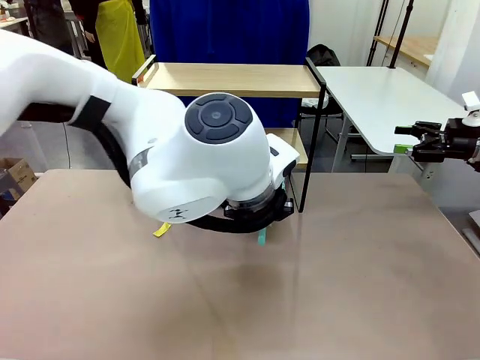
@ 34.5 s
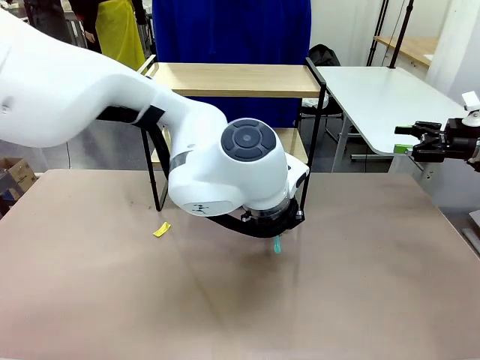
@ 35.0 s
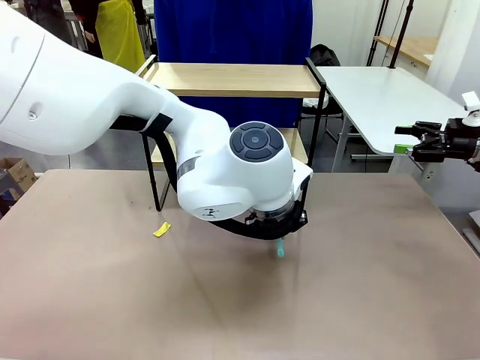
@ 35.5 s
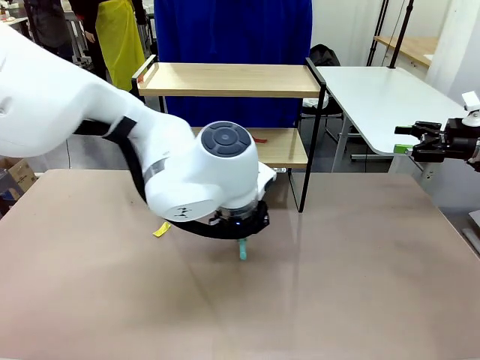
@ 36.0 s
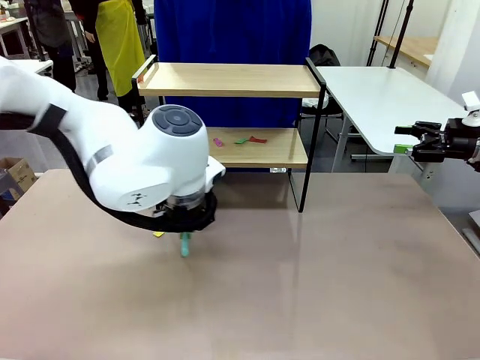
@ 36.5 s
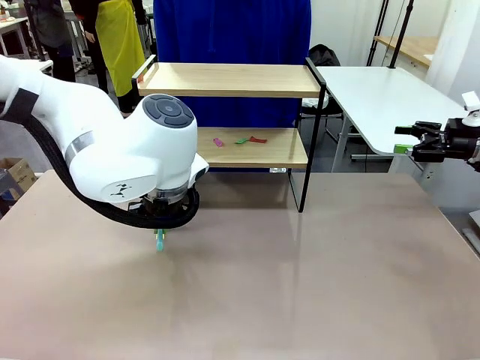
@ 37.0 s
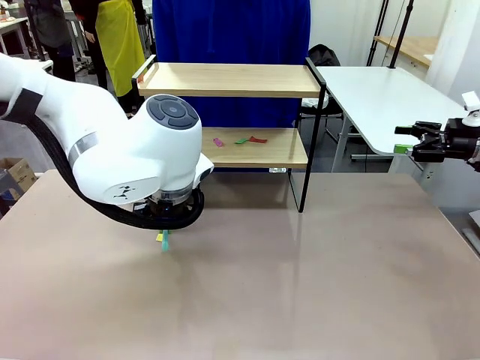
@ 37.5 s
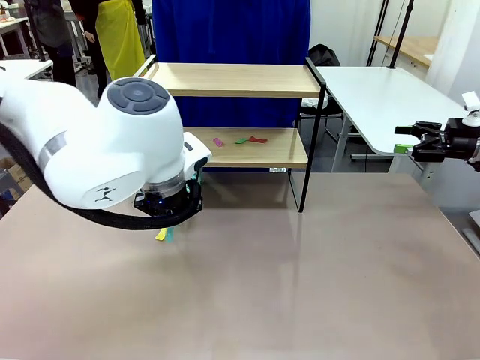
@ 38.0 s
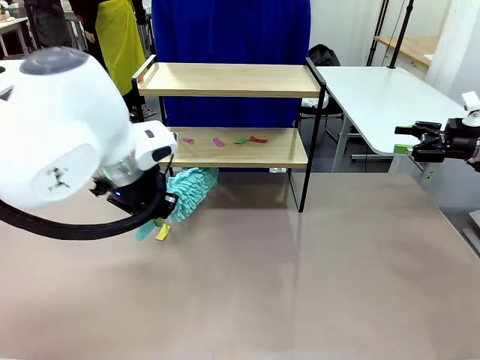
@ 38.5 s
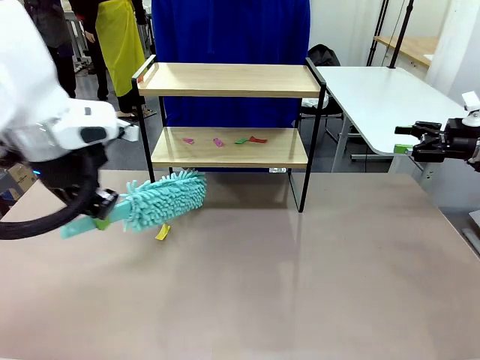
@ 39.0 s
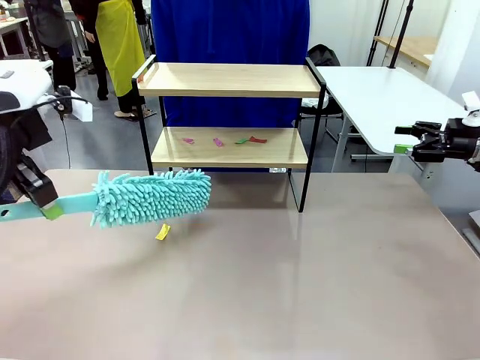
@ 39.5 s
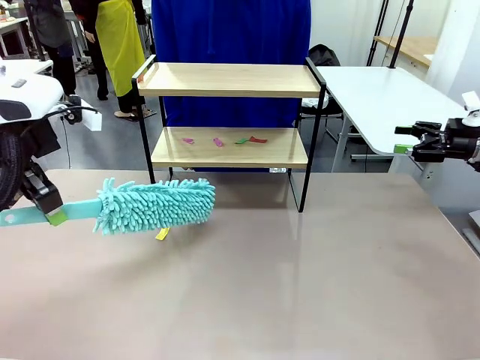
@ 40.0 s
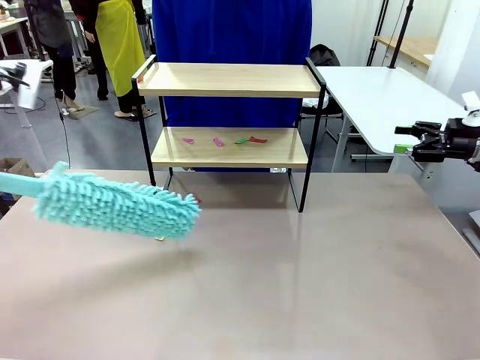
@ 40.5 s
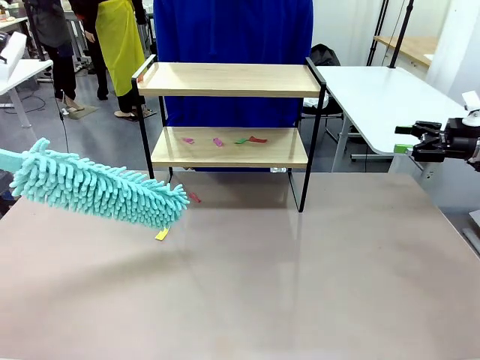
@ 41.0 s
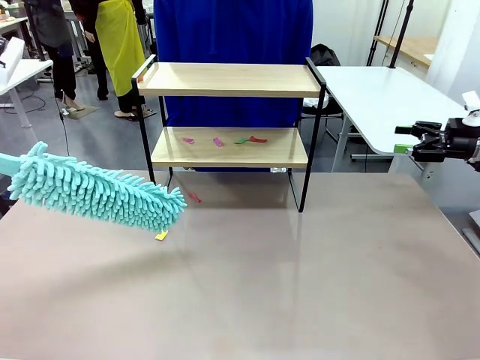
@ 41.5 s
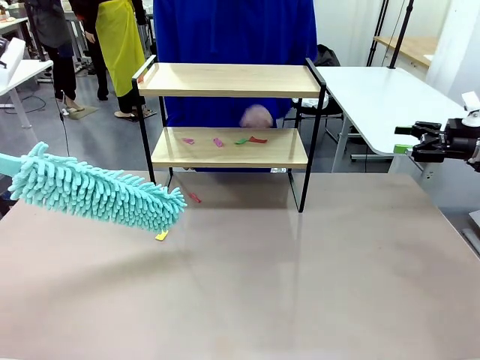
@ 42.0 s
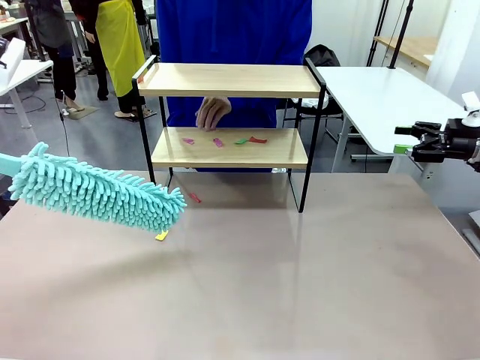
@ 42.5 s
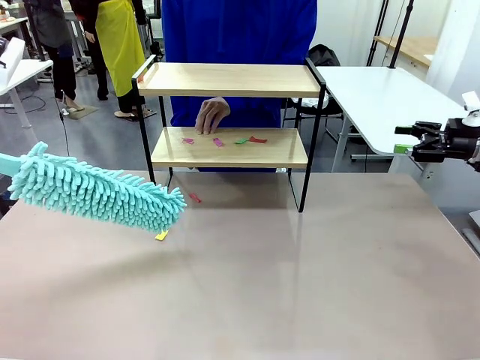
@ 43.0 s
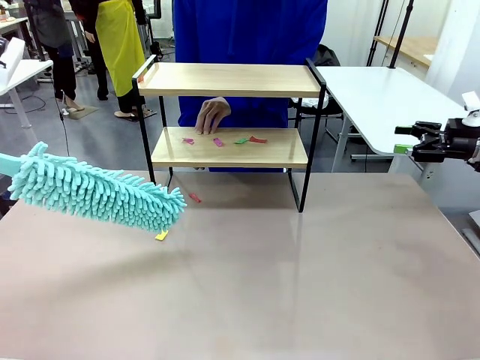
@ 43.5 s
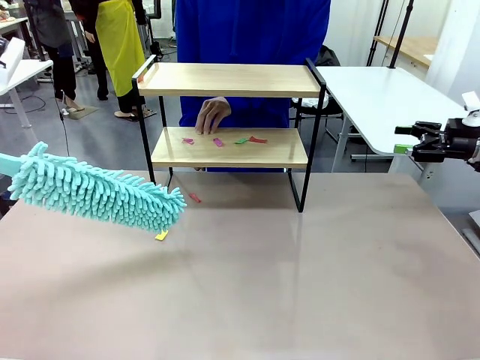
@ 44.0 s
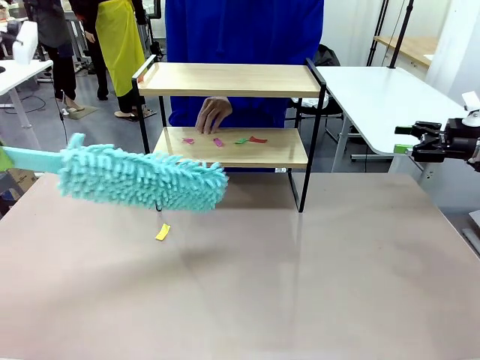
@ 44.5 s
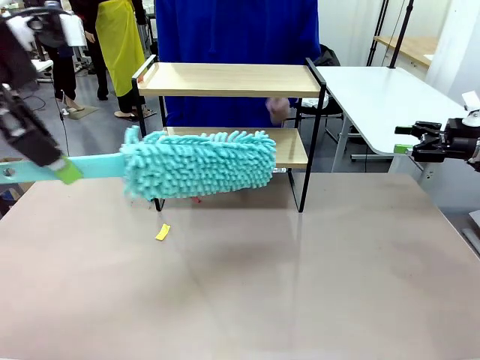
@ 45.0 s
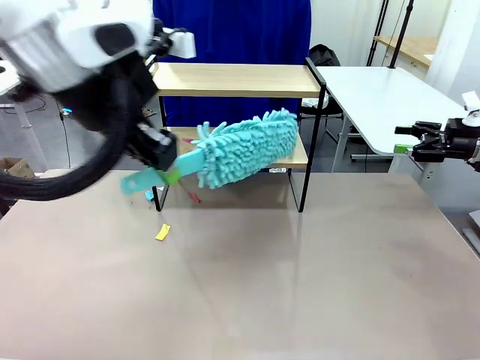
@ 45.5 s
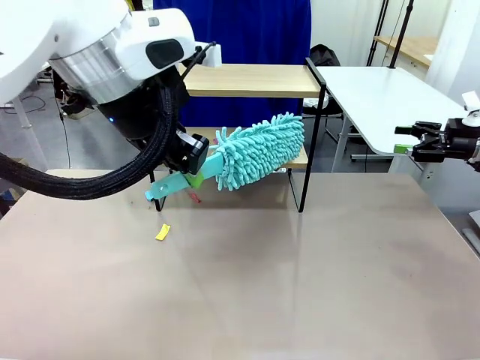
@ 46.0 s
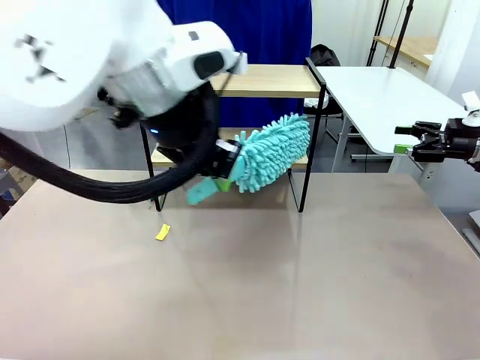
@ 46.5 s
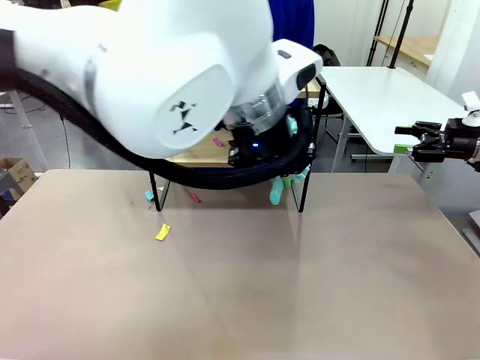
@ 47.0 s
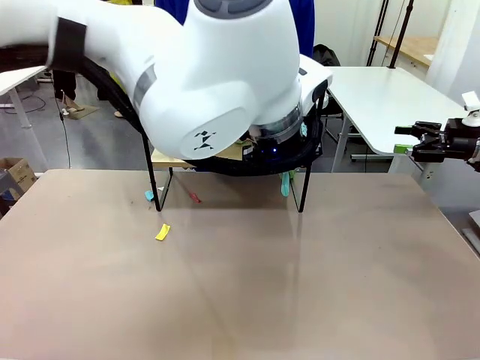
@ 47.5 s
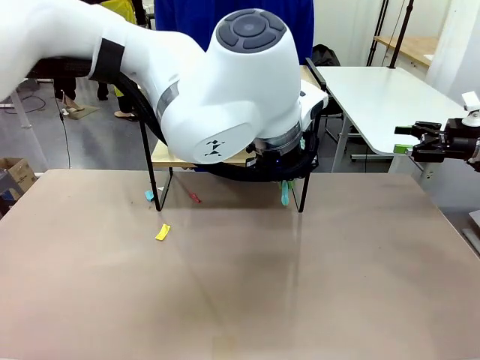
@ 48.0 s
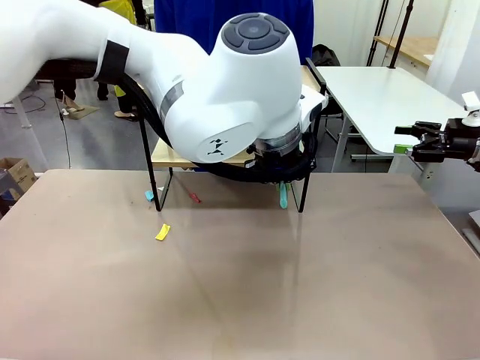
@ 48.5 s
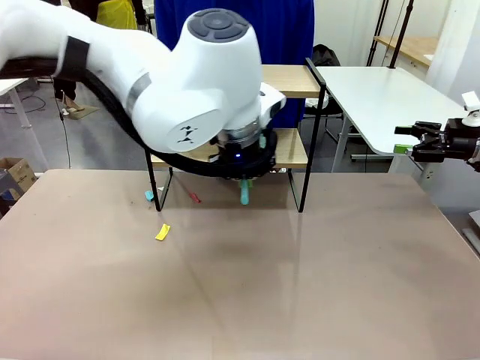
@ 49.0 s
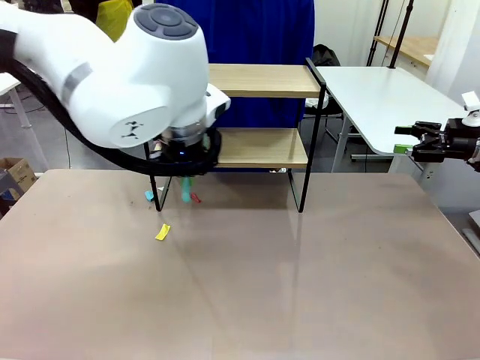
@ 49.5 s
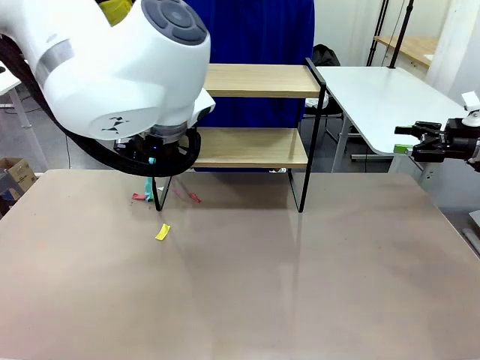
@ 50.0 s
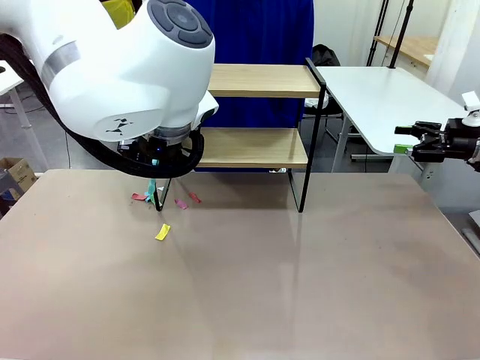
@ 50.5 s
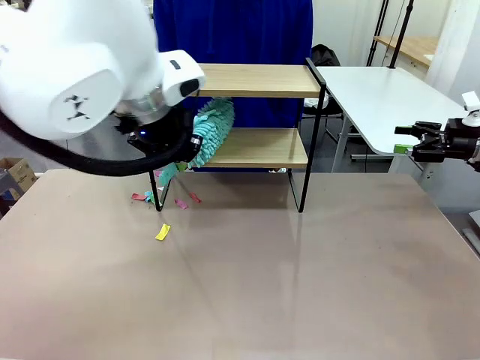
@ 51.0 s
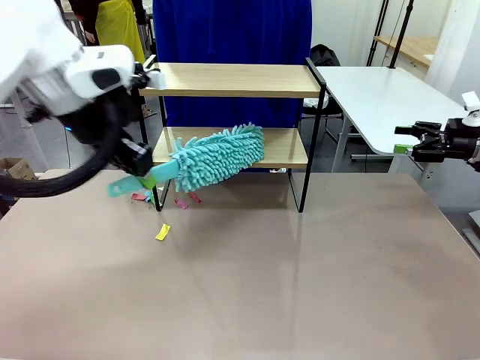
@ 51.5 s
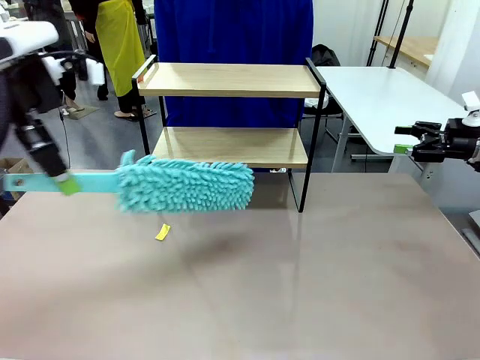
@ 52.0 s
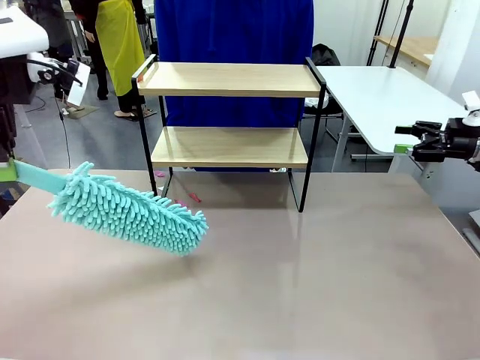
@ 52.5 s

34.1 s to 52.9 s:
Task: Clean the shelf.
Robot: Clean the specific section of the Shelf indicated by the human with the Duster.
Person: Point a remaining section of the Shelf.
